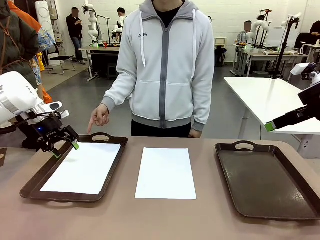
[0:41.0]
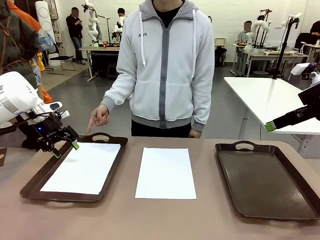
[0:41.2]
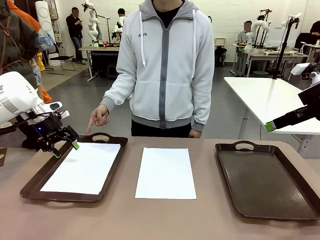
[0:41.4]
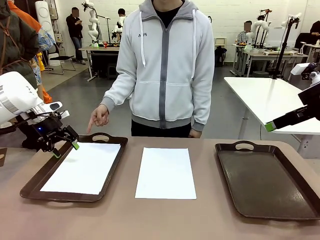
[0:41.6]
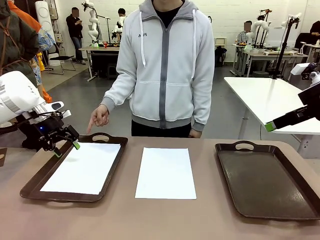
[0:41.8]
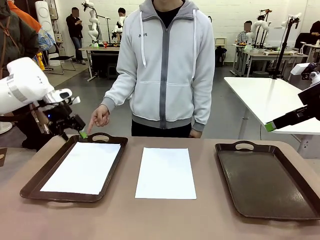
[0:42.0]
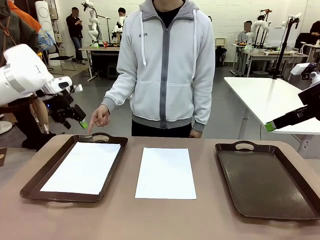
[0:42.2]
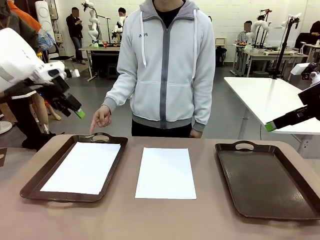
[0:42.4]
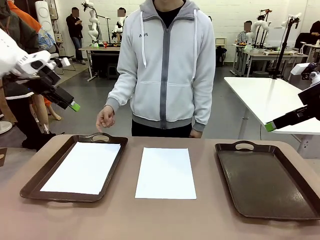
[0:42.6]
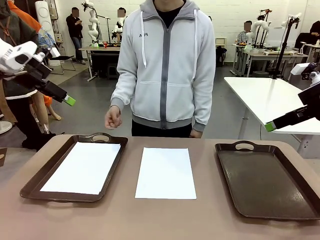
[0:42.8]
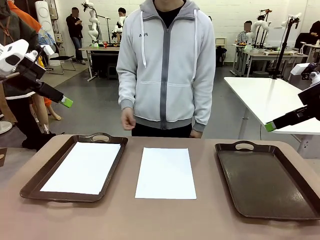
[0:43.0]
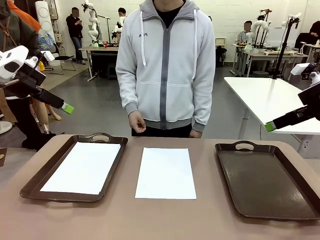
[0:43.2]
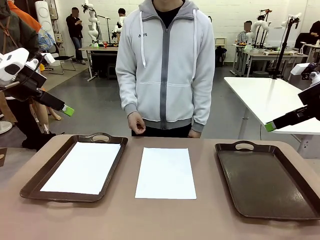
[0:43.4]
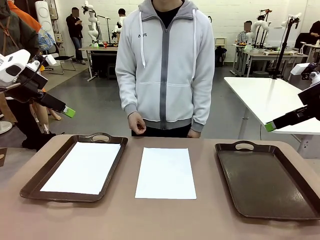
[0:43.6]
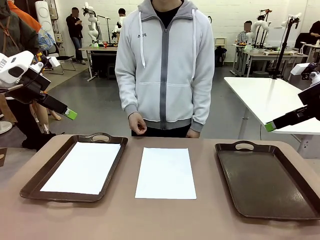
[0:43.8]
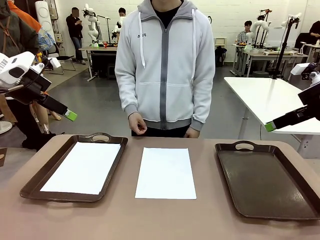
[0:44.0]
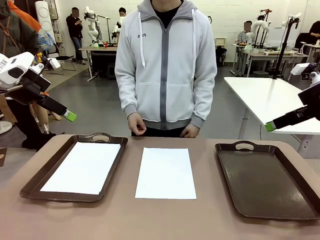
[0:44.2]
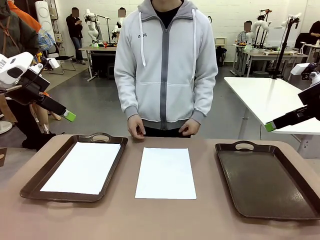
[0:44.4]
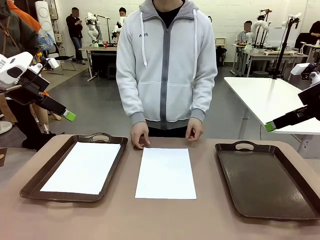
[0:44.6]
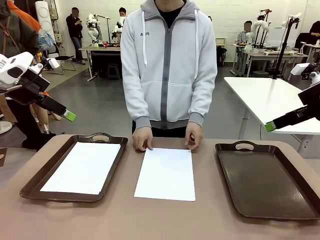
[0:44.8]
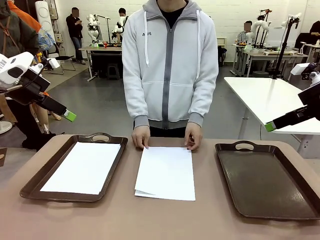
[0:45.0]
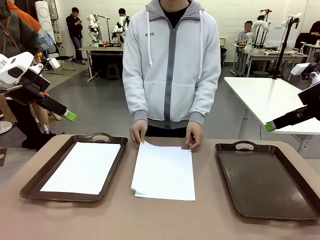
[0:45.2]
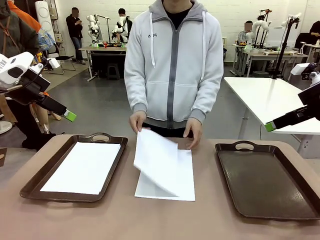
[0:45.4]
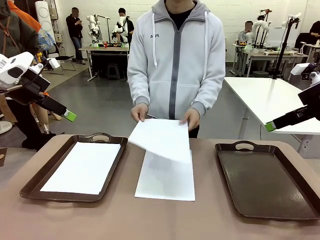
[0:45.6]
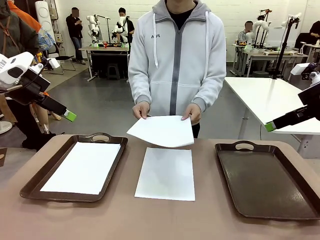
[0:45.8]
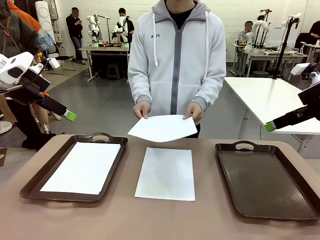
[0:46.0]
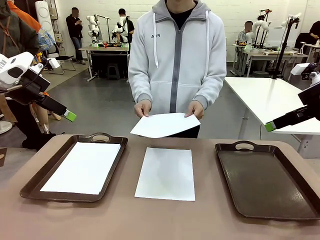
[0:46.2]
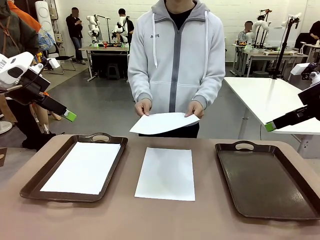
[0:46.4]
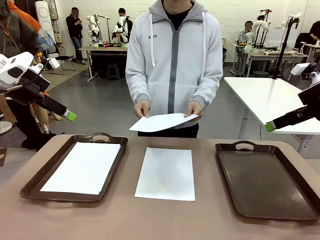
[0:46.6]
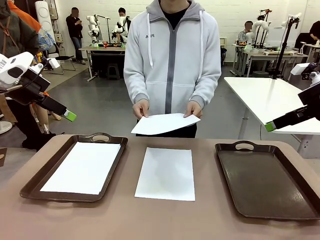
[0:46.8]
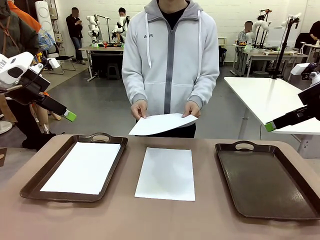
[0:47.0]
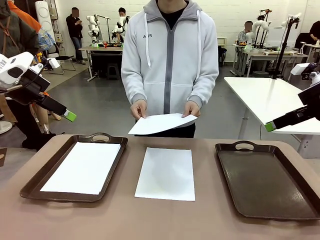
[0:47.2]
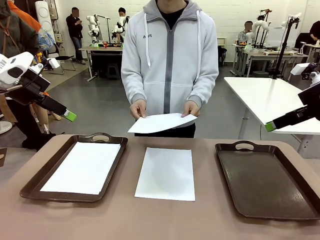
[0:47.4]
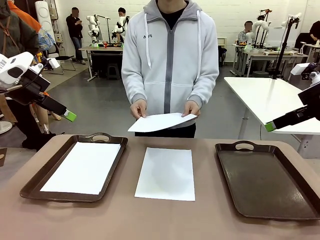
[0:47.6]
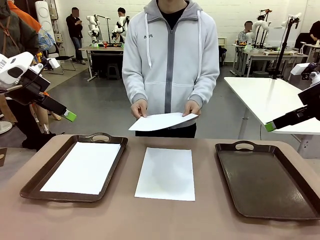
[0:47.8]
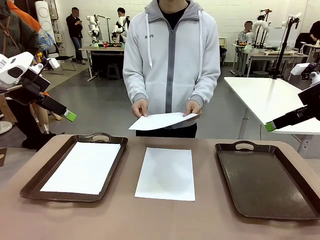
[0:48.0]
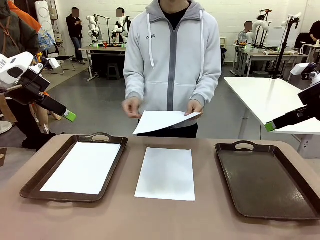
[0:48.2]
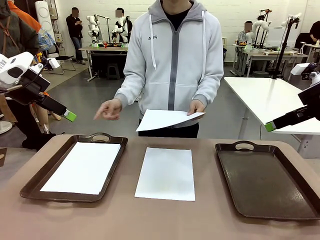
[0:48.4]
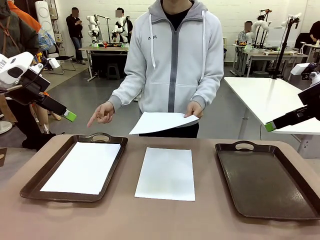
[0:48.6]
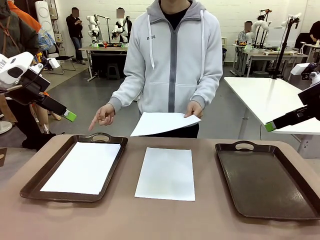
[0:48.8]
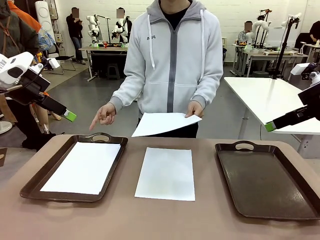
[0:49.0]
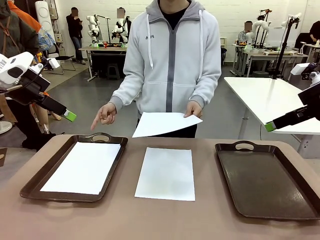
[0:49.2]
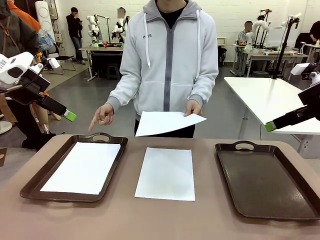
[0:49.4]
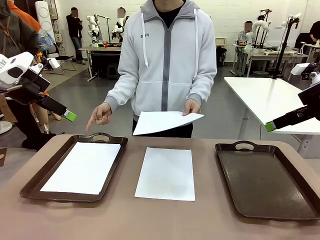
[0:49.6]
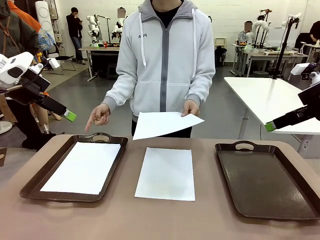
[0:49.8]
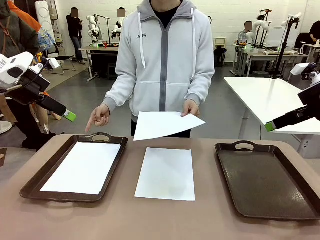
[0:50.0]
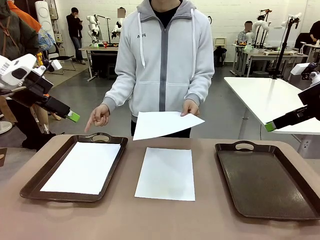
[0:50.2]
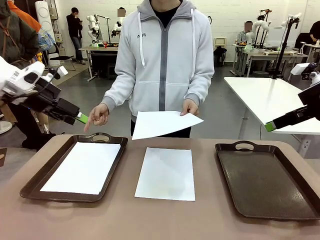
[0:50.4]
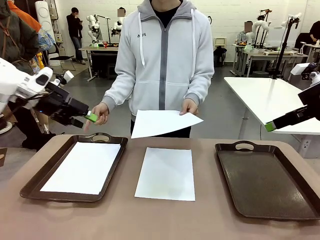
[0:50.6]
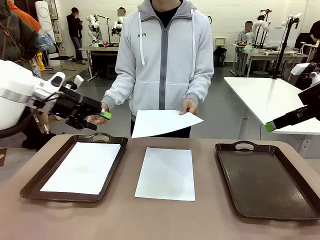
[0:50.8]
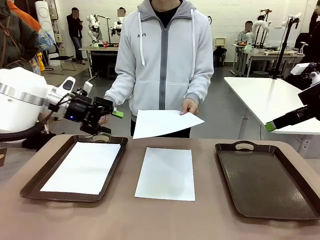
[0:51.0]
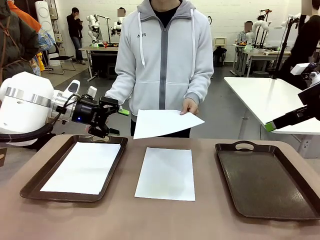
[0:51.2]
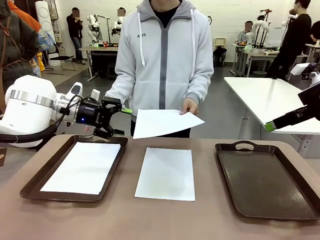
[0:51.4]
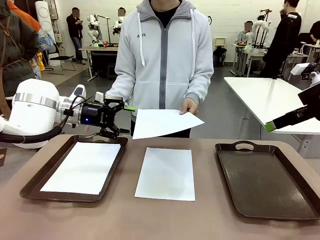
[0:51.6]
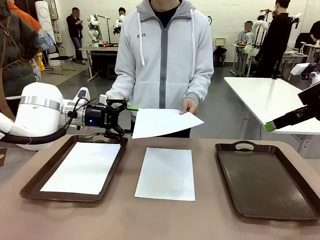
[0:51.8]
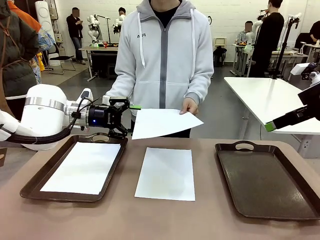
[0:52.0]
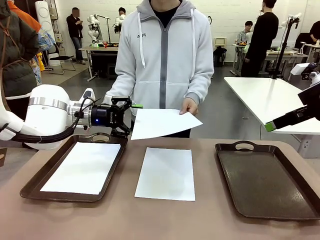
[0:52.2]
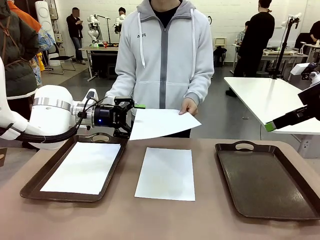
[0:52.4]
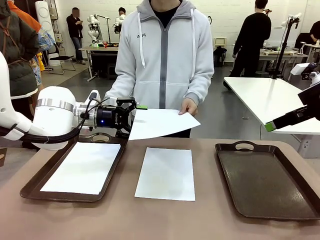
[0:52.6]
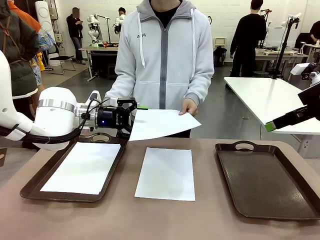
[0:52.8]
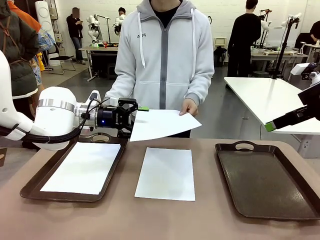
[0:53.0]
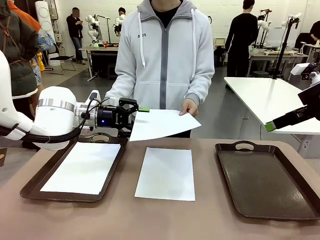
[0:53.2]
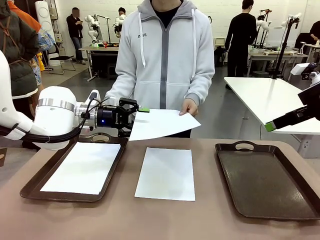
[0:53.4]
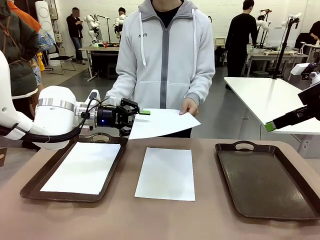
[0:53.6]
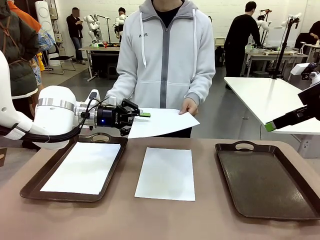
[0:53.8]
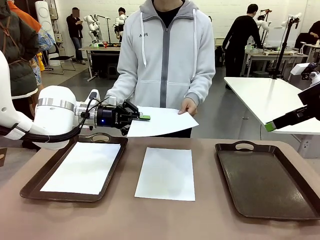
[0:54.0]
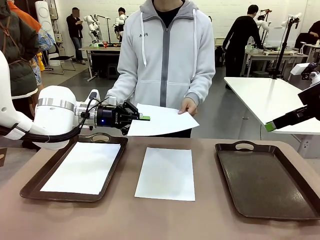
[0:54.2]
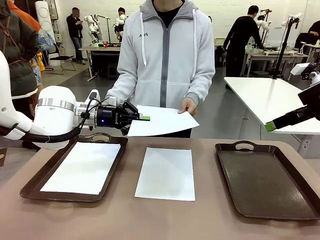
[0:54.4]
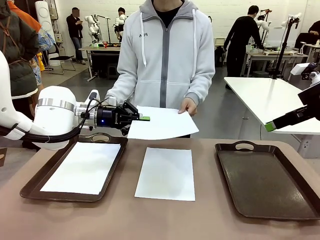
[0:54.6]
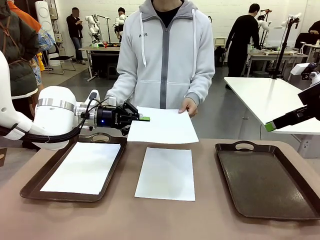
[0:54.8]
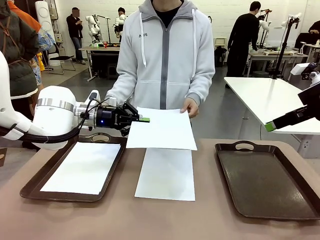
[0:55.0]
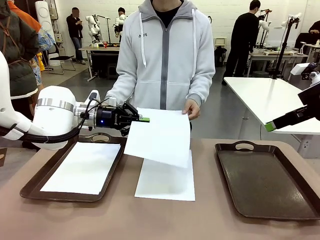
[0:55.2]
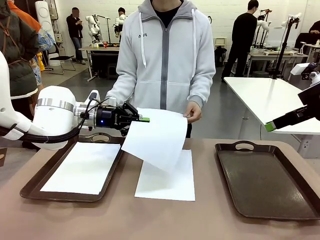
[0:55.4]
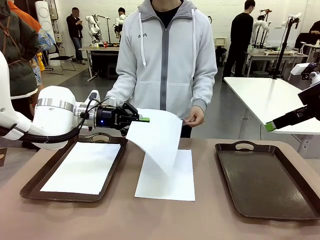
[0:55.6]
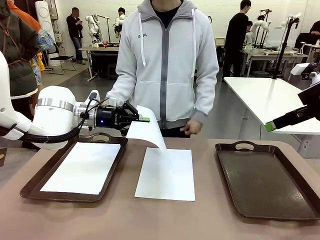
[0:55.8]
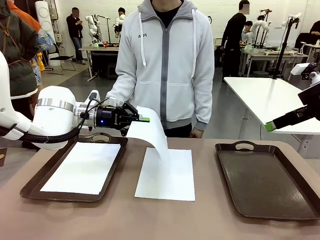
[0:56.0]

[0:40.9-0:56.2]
Task: Sort the A4 documents.
Robot: Receive the A4 Paper.
Person: Point the randomly selected tray with the other hand.

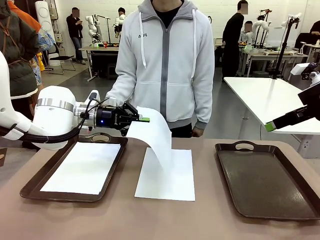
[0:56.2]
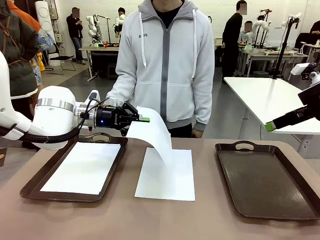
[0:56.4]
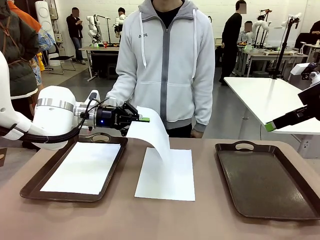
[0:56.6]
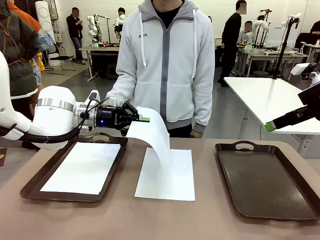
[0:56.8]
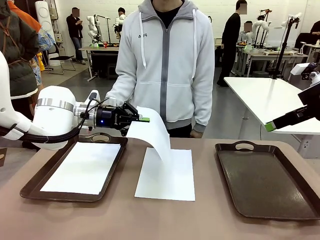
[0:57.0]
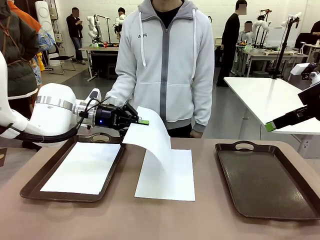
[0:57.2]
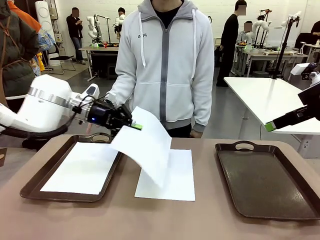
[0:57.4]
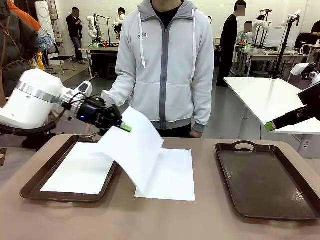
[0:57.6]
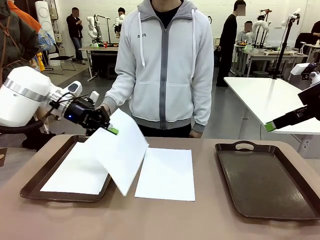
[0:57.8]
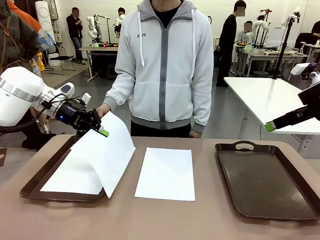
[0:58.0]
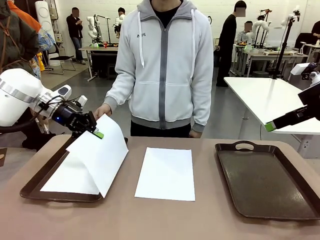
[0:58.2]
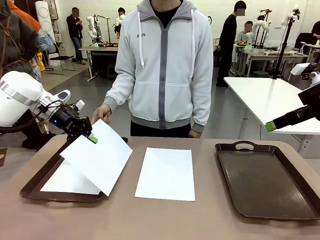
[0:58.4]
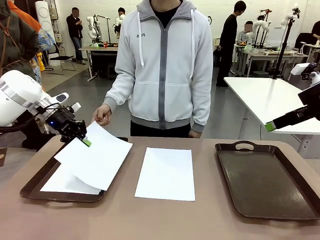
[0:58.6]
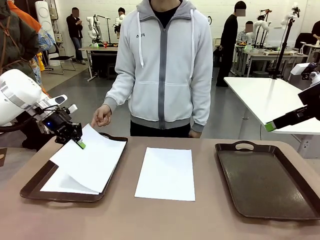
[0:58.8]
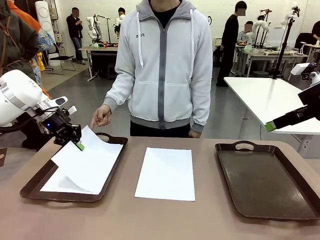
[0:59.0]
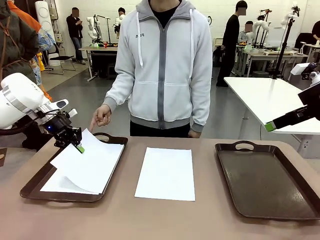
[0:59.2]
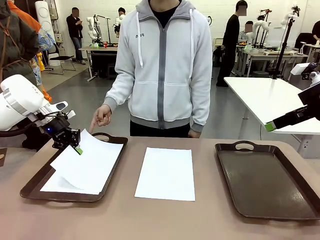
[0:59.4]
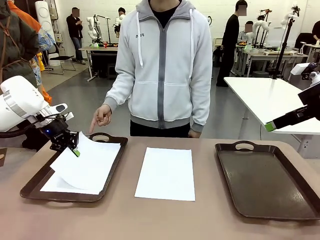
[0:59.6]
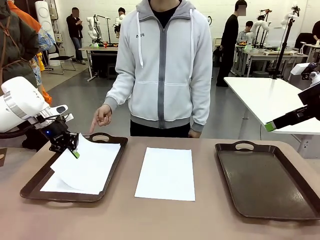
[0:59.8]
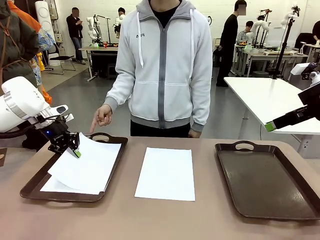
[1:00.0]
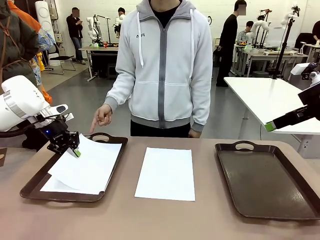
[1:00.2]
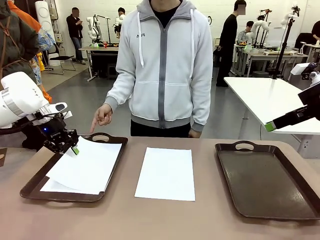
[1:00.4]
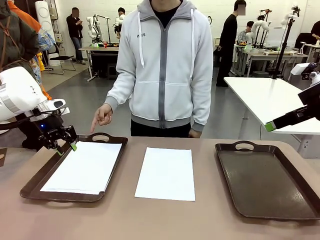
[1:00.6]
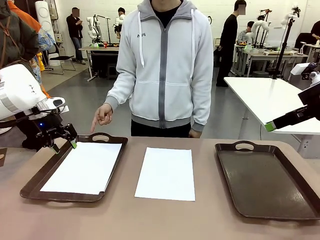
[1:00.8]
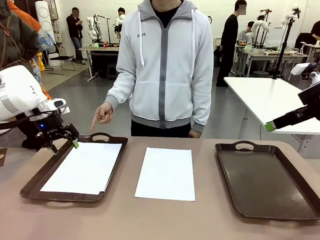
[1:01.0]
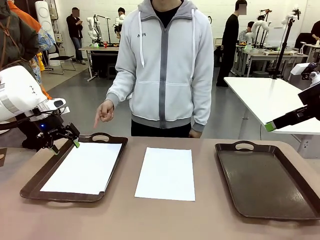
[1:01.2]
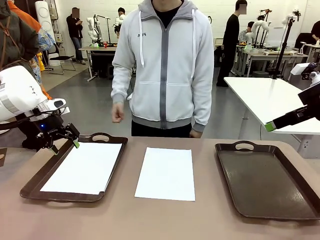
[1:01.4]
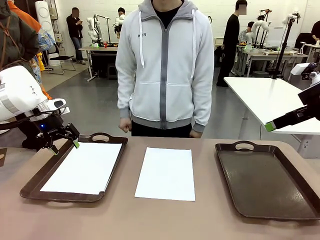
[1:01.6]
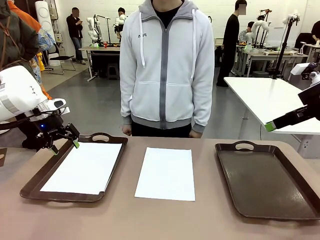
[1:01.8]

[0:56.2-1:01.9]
Robot: Place the A4 Paper in the designated Handle tray.
